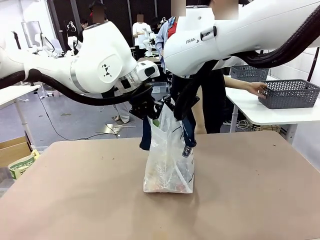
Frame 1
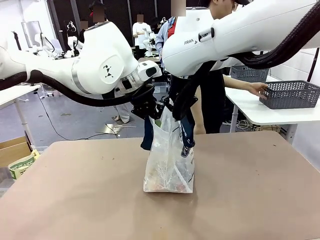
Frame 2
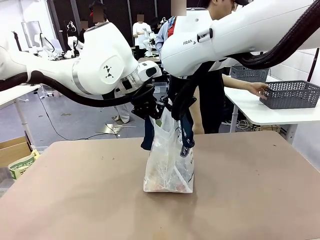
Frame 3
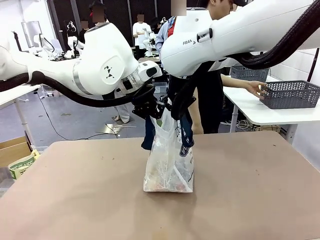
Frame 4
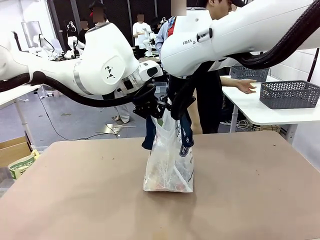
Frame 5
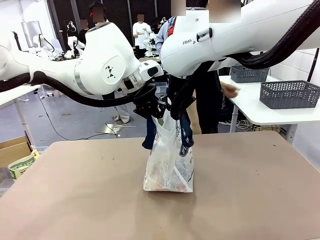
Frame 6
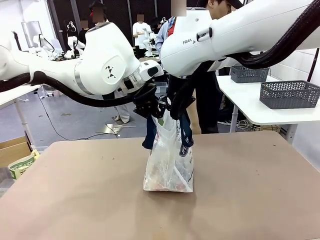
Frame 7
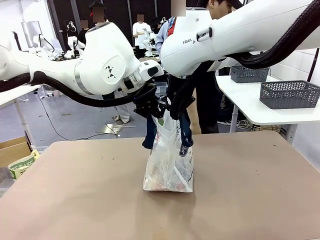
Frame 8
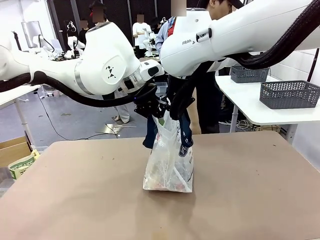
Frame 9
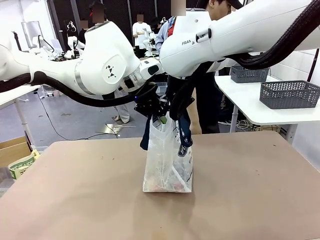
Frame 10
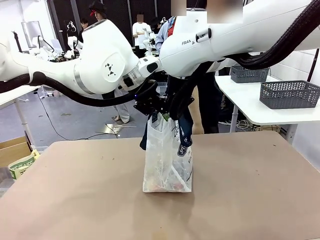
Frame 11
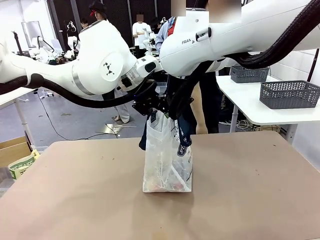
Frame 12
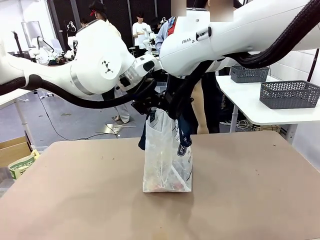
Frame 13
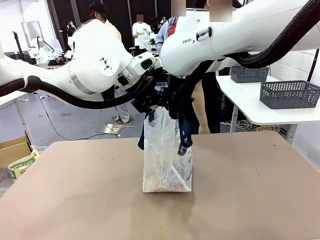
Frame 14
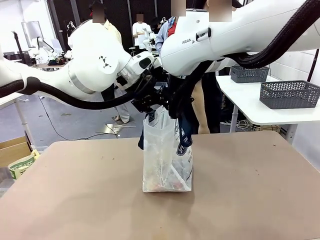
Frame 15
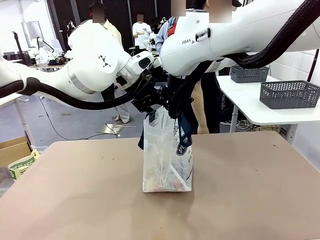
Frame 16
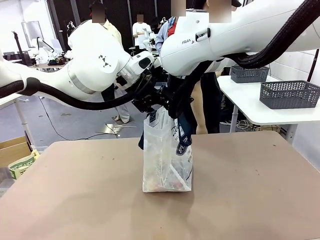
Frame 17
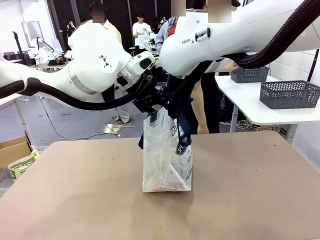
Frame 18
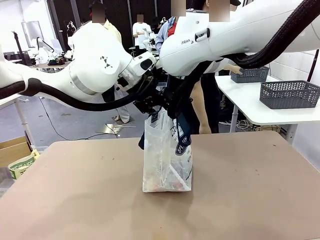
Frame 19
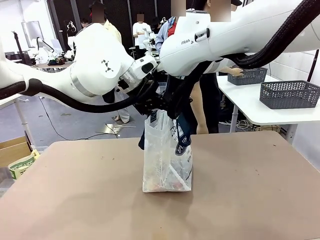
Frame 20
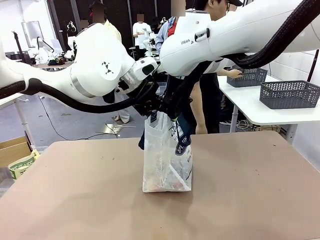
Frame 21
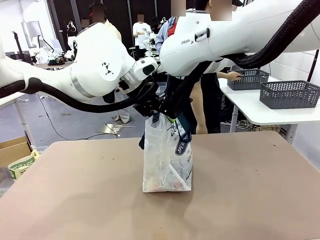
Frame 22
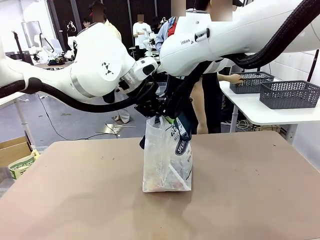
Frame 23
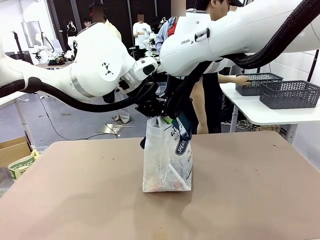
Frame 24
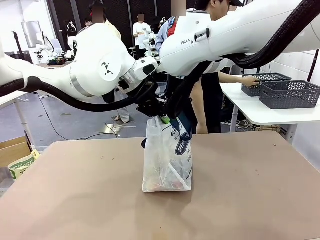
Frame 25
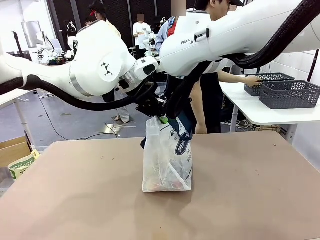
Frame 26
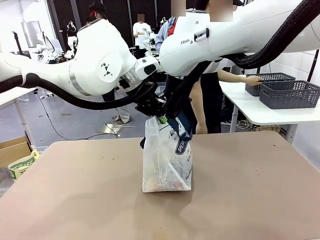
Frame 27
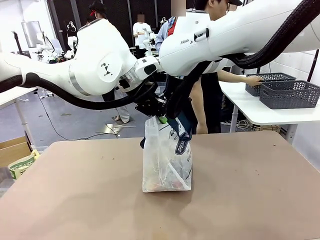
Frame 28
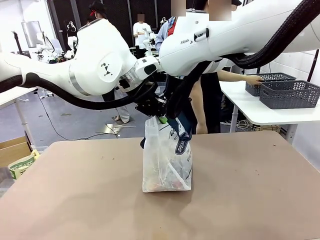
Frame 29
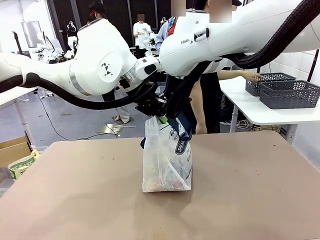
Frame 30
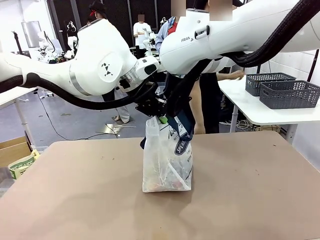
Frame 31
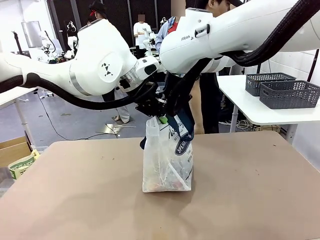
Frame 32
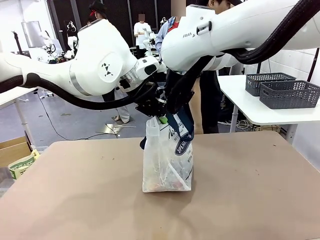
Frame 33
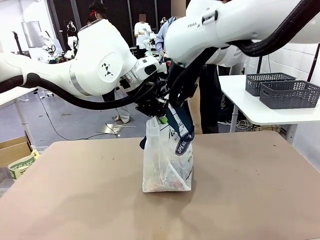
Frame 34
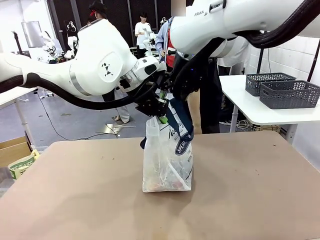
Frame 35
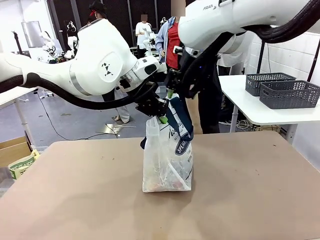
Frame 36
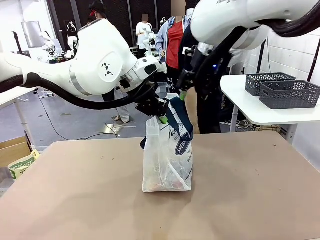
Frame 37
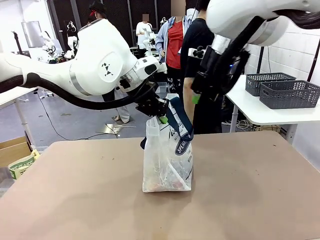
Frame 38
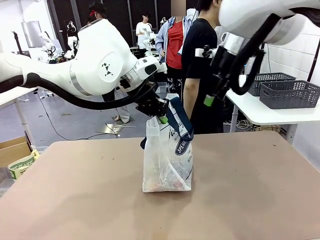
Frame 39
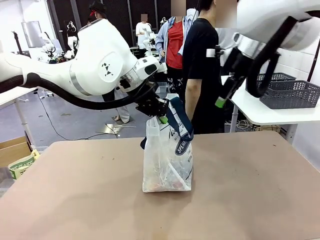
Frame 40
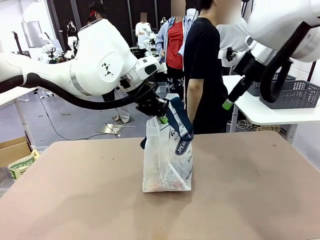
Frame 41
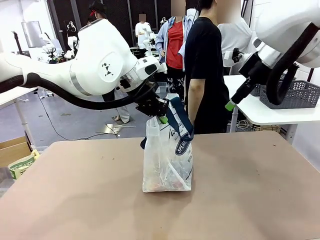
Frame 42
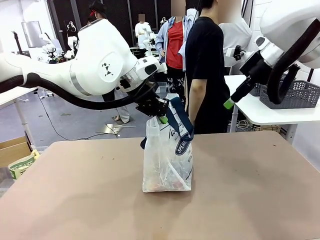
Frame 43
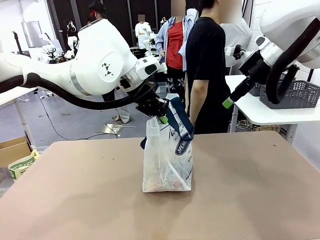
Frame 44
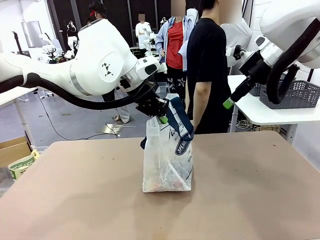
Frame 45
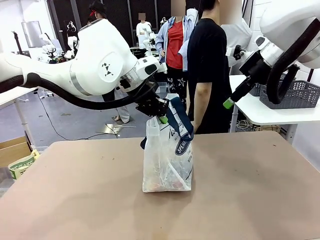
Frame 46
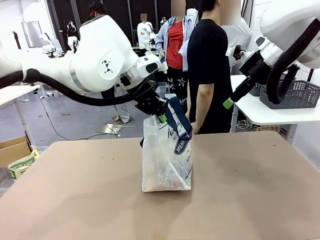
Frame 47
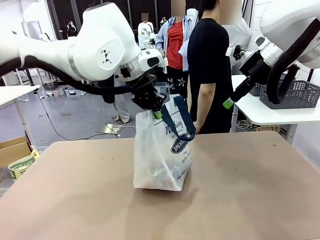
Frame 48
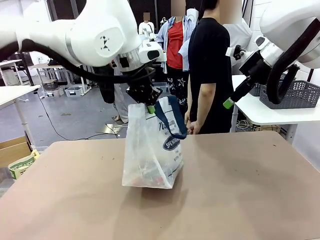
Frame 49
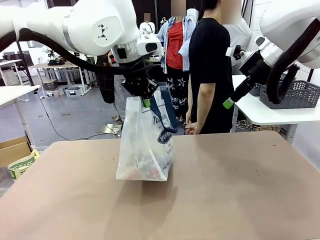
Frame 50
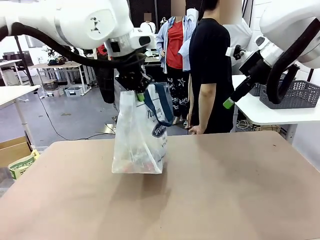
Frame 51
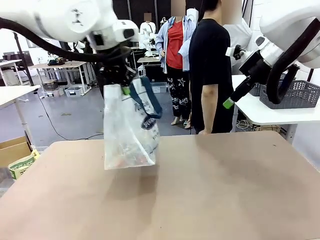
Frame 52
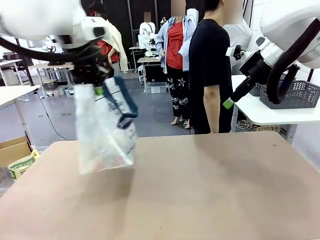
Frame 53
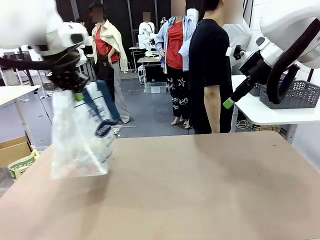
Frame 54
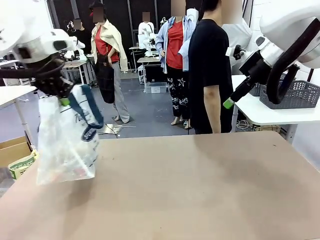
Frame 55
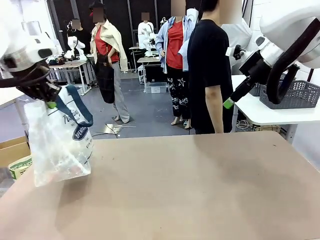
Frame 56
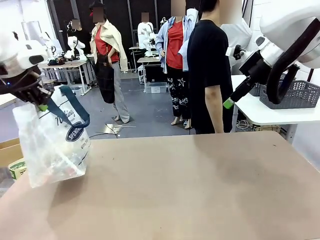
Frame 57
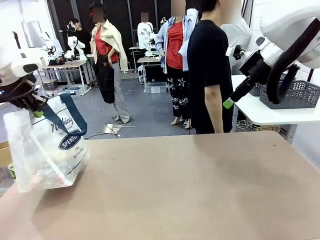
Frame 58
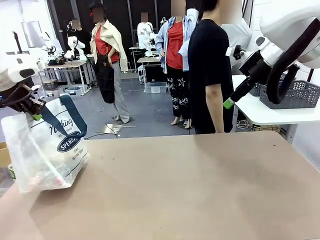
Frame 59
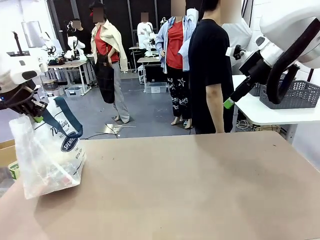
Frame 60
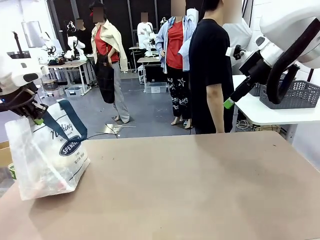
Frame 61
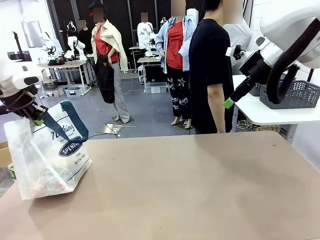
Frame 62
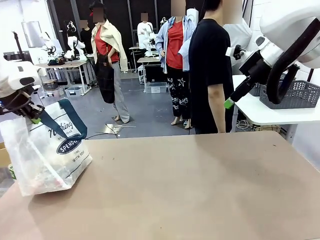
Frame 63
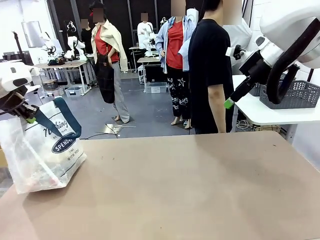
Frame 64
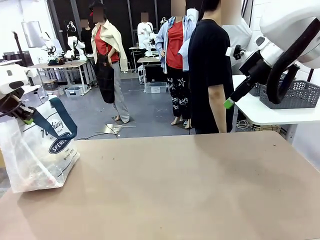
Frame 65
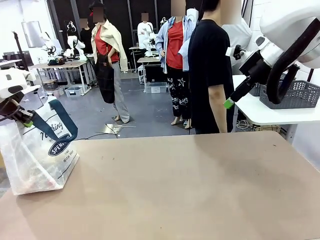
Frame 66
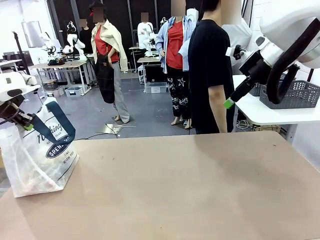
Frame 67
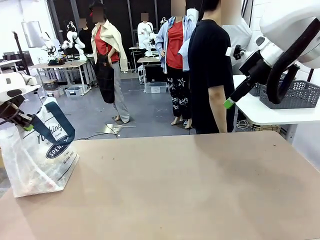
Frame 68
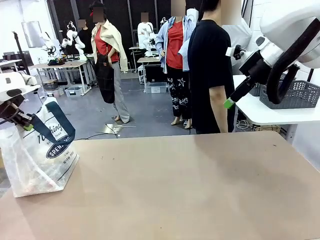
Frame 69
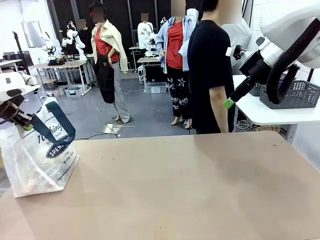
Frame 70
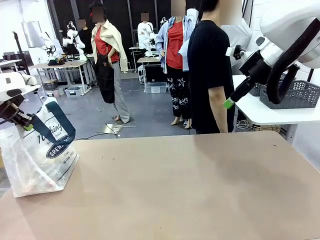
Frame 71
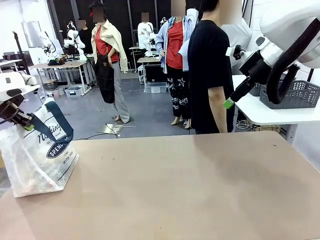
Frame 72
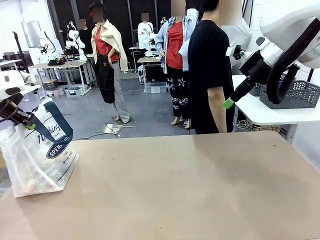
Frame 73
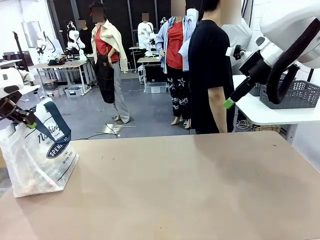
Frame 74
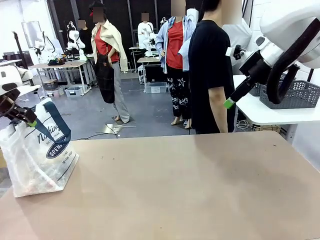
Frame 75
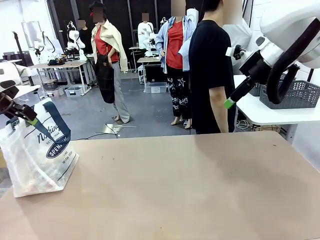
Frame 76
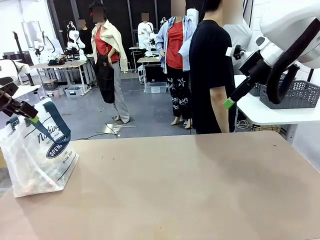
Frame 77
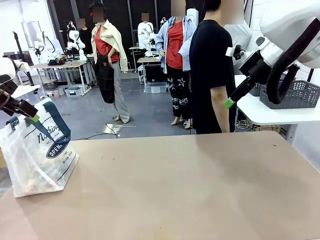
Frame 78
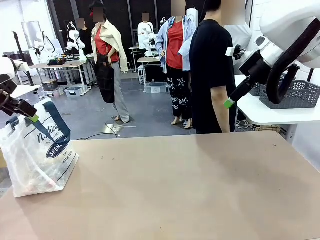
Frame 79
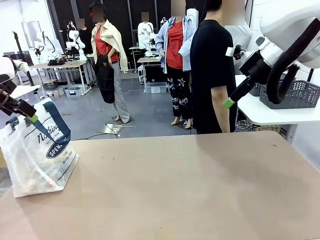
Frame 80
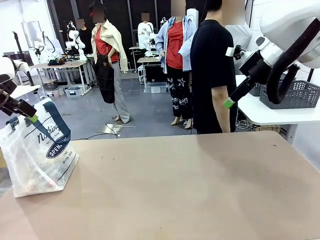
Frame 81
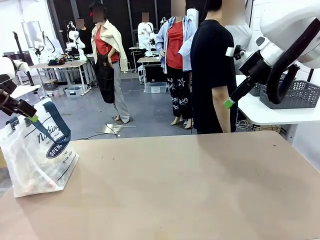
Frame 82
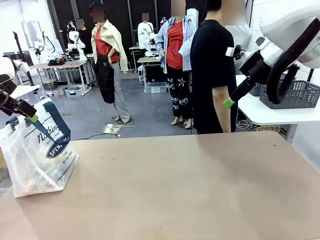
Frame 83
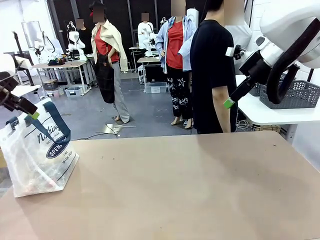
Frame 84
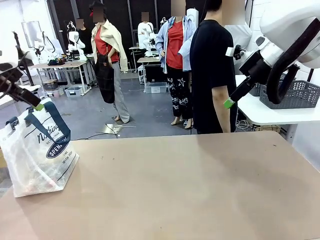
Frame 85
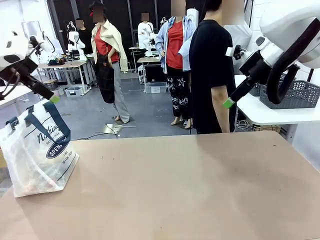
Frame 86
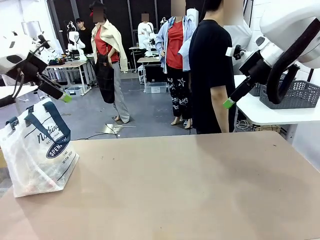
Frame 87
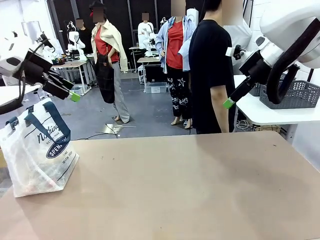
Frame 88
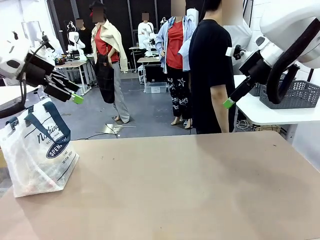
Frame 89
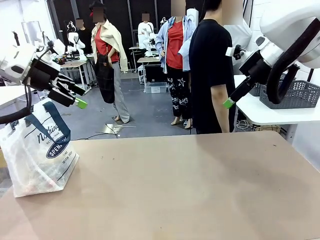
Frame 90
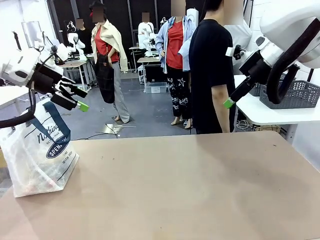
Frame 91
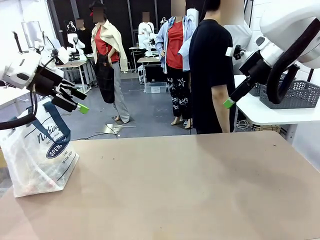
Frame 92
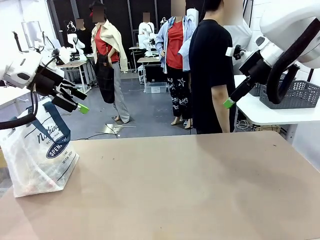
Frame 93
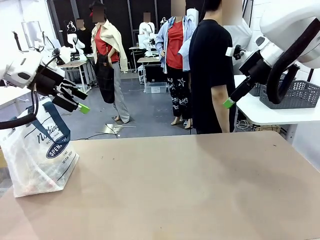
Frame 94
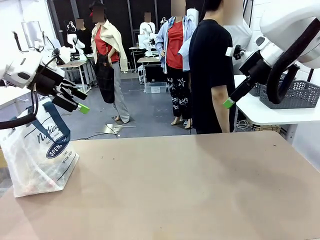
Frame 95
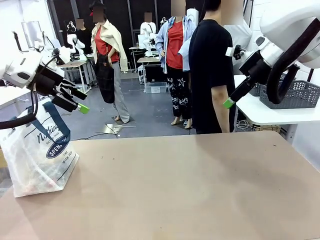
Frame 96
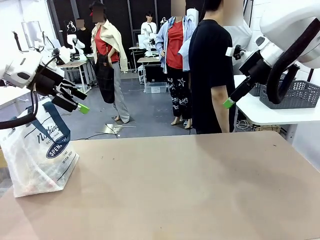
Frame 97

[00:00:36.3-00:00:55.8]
Task: Transfer purchased items from the store into the shopping bag.
Robot: Move the Reusable shopping bag to the right side of the table.
Person: Move the basket on the left to the middle of the person's table.
